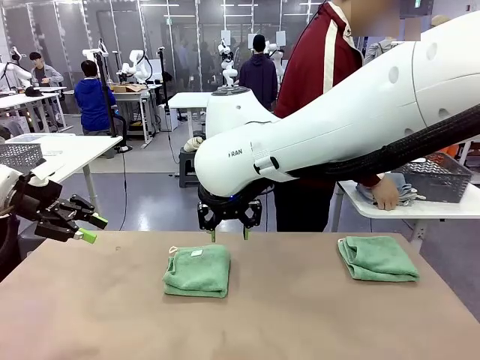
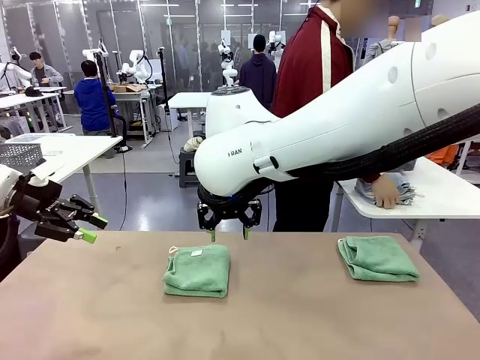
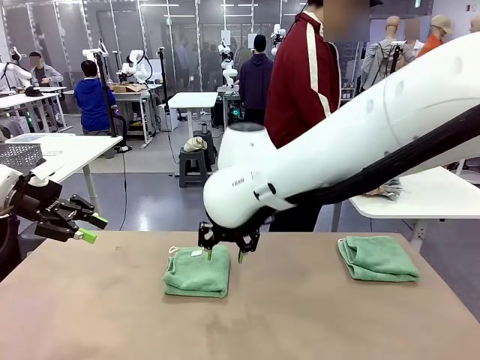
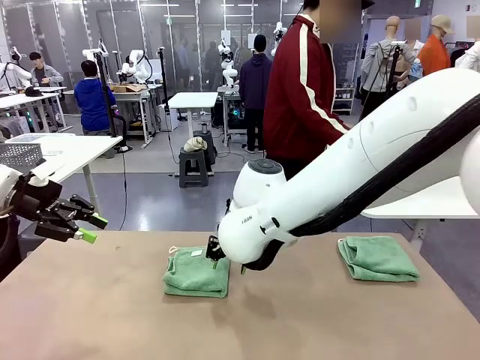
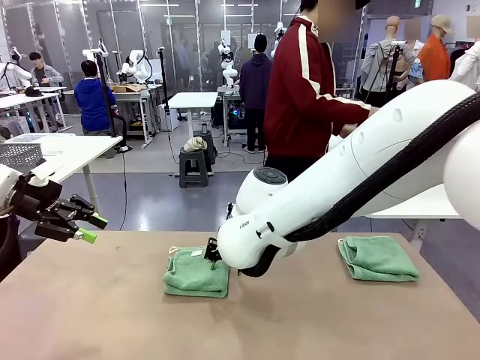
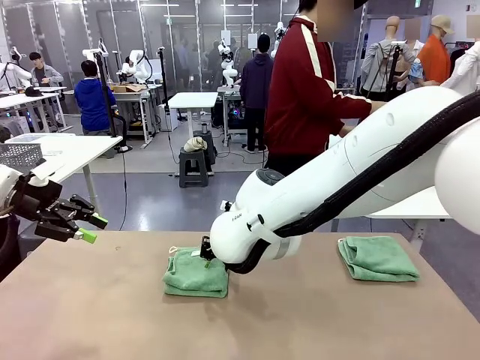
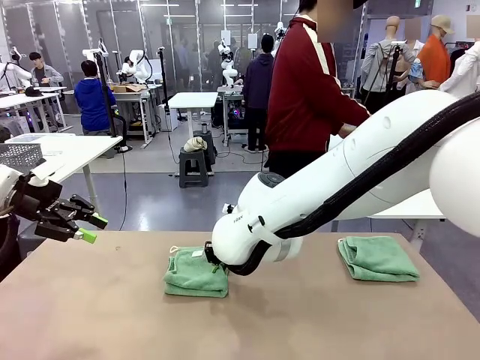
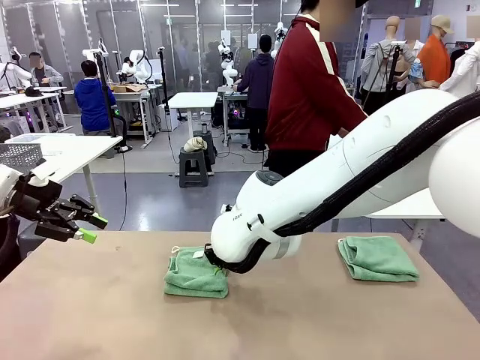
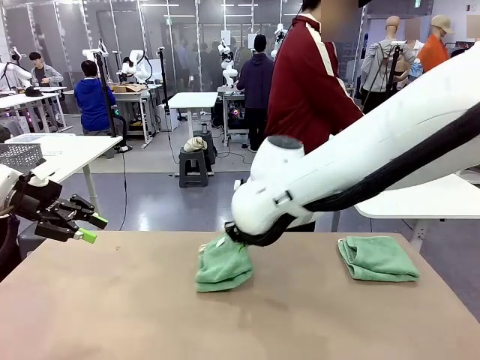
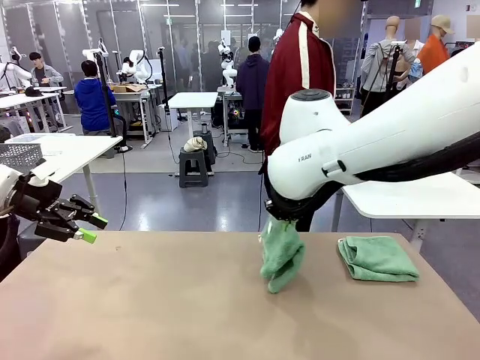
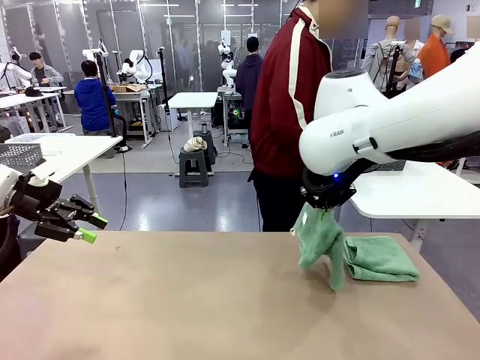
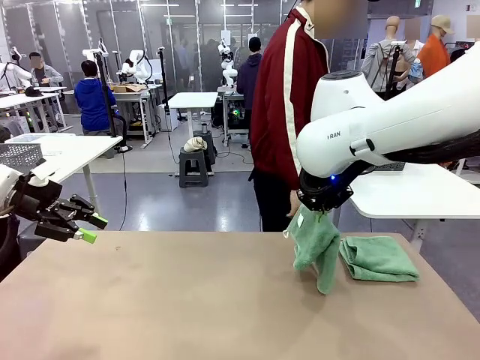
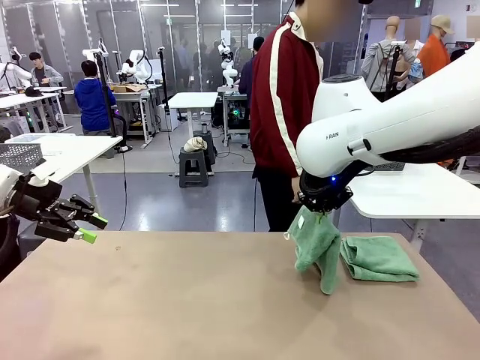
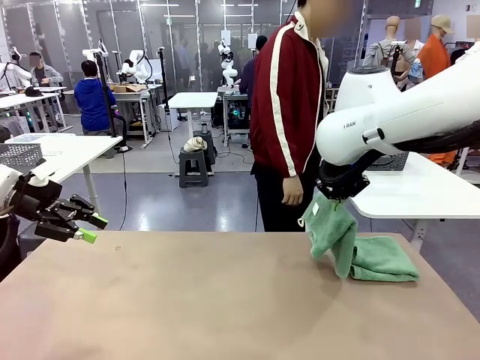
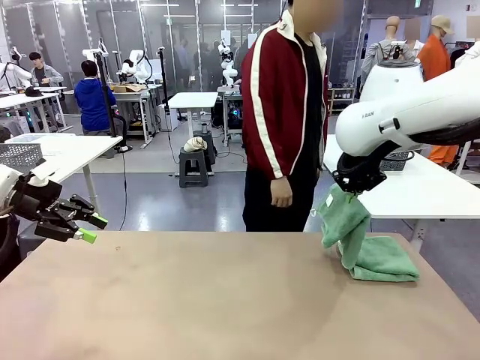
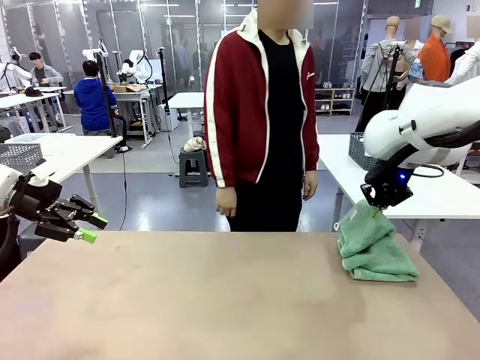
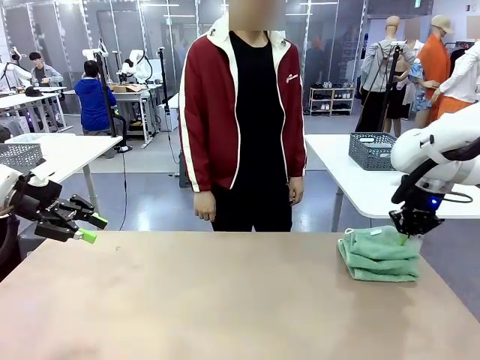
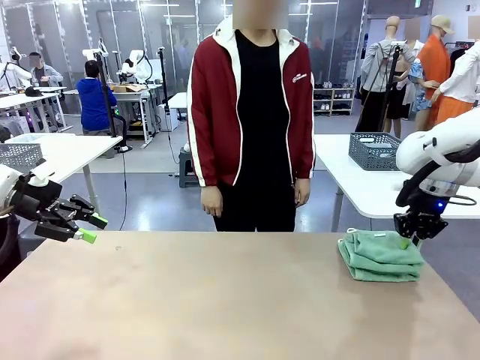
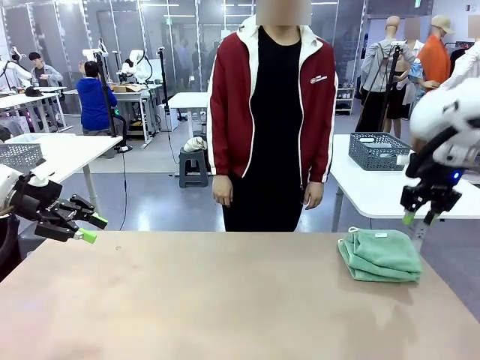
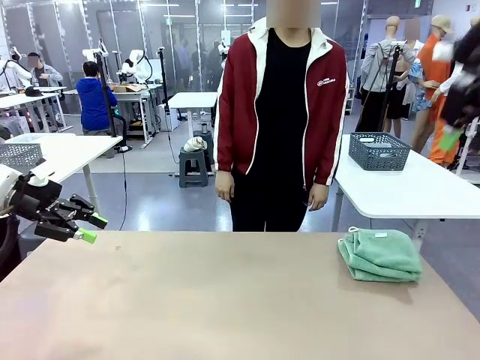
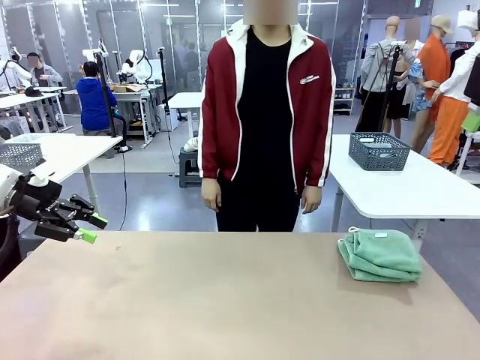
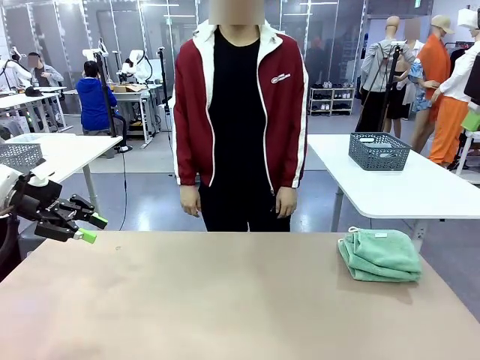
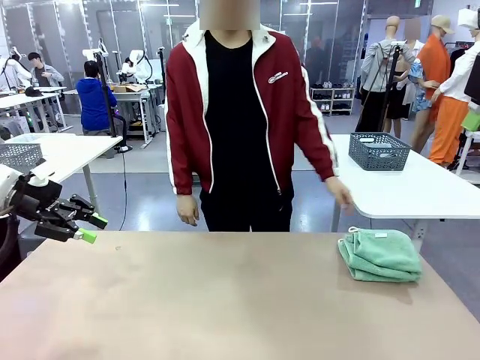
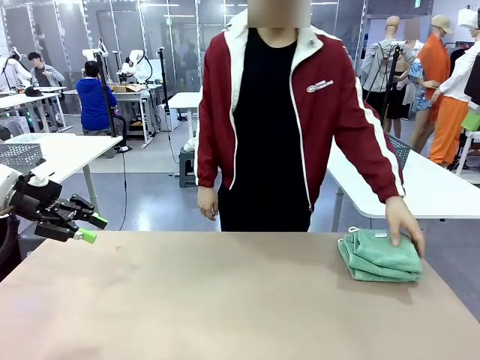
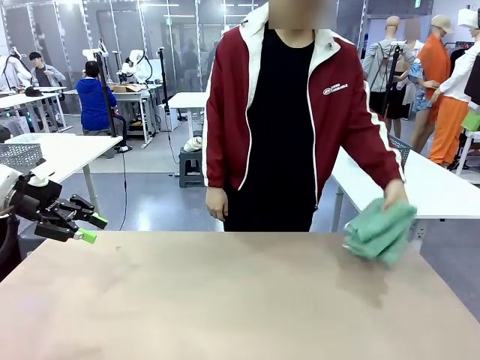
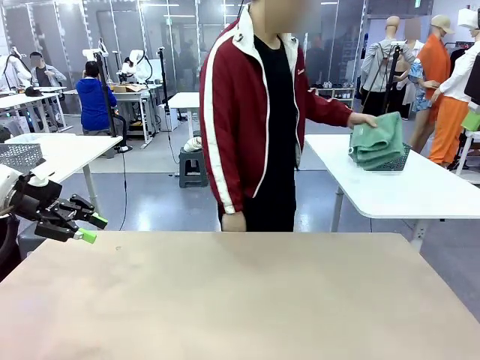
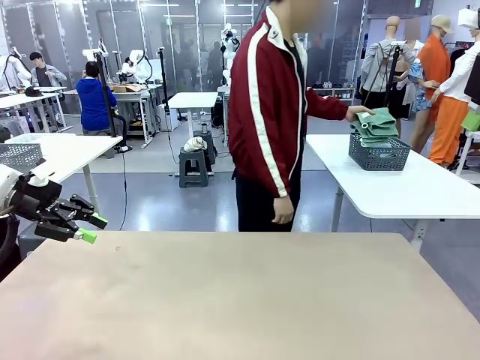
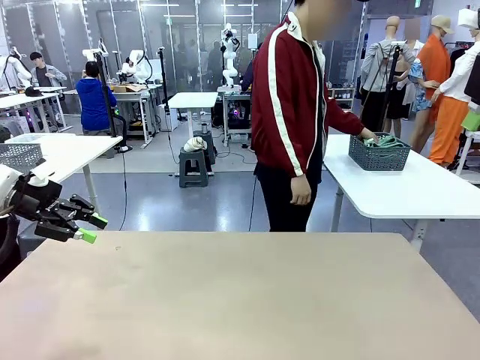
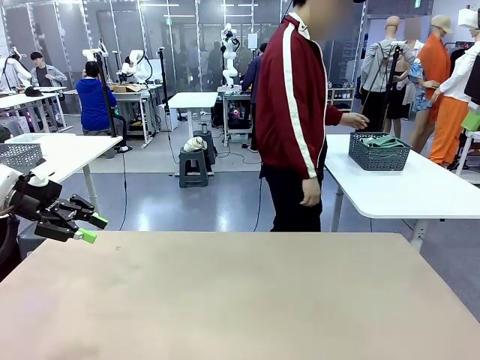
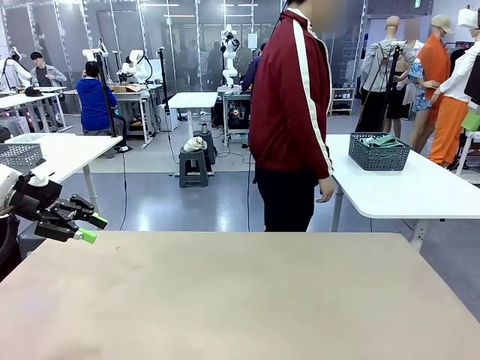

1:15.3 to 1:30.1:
Task: Fold the towels and place them in the basket.
Robot: Stack the folded Towel with hook on the right side of the table.
Person: Pick up the stack of towels from the right side of the human table, place it into the basket, and put the basket at the center of the table. Pick up the stack of towels from the robot table and place it into the basket.

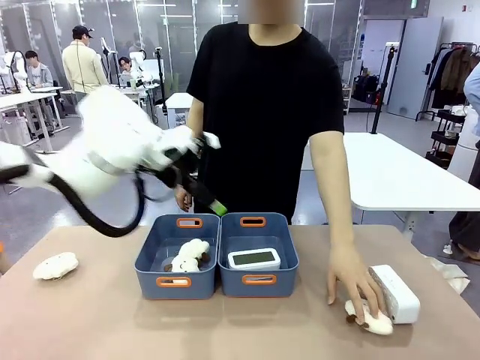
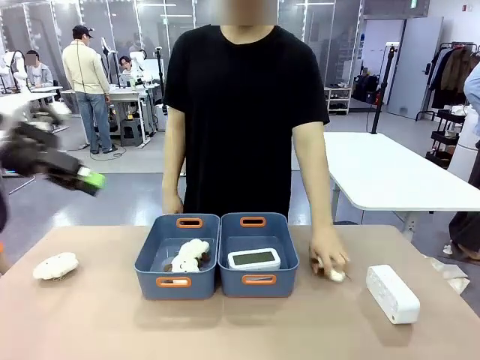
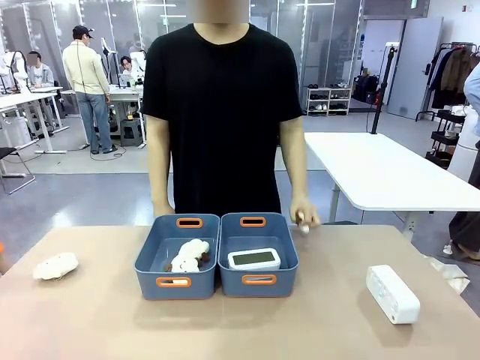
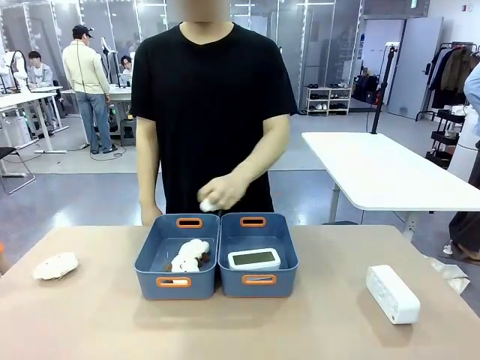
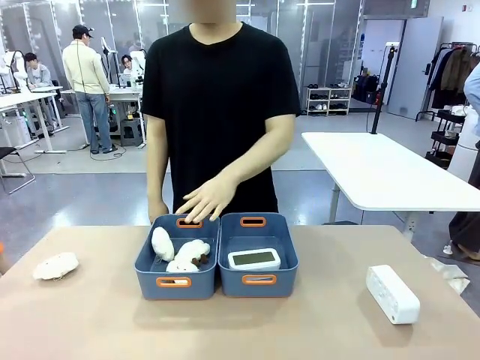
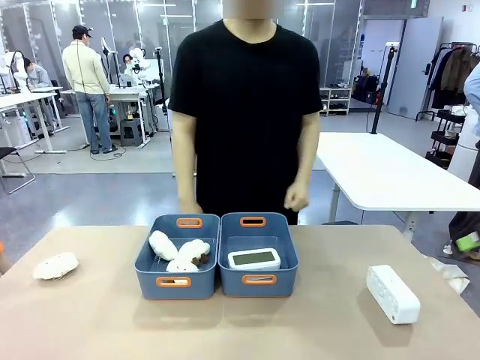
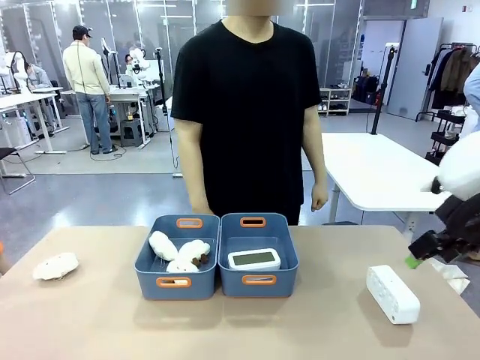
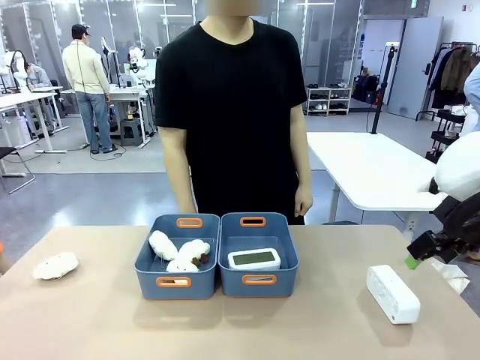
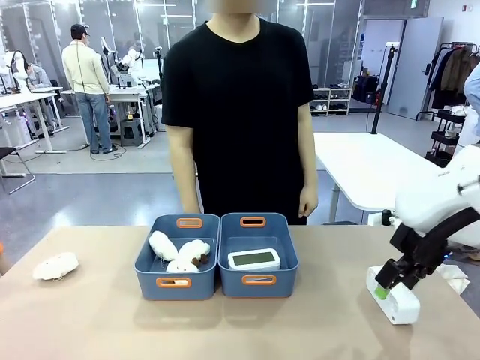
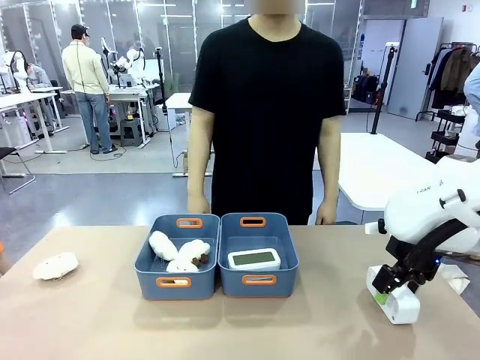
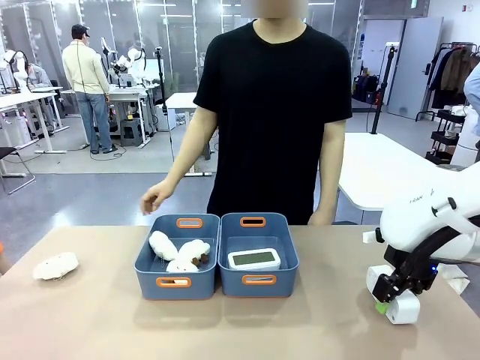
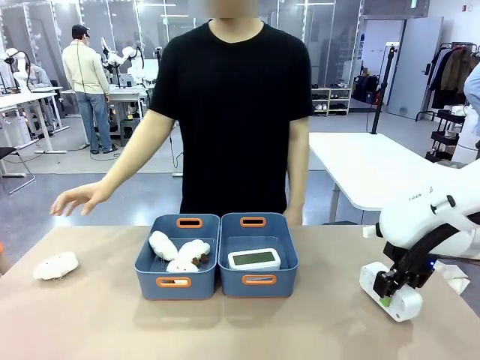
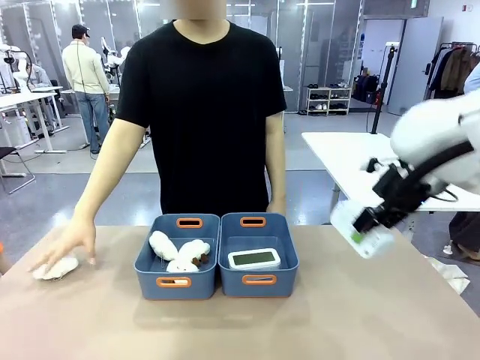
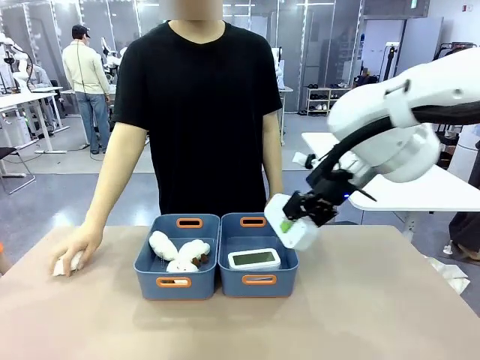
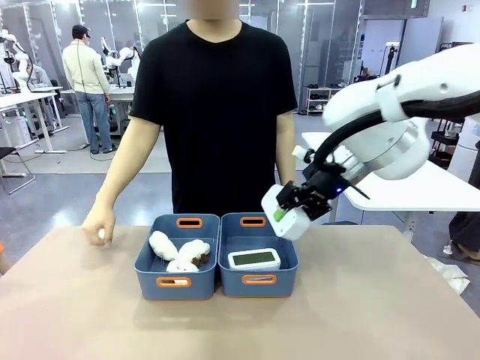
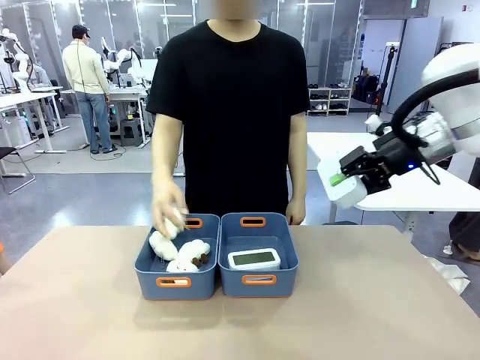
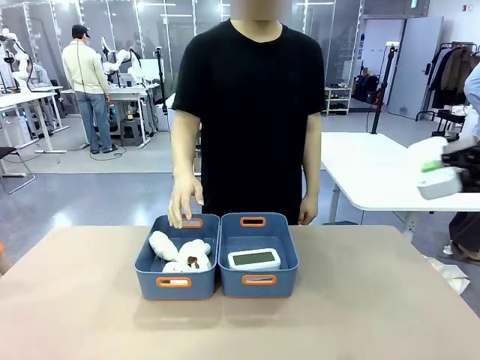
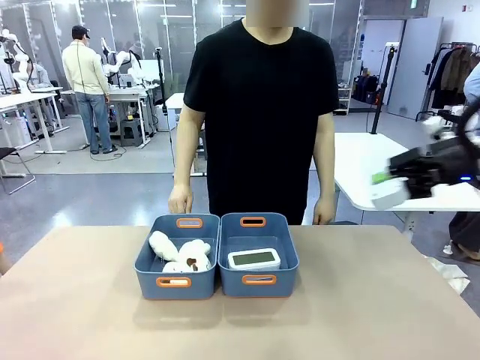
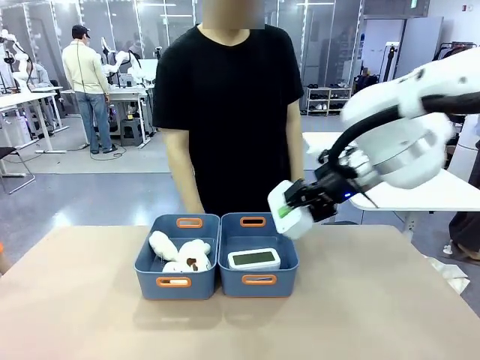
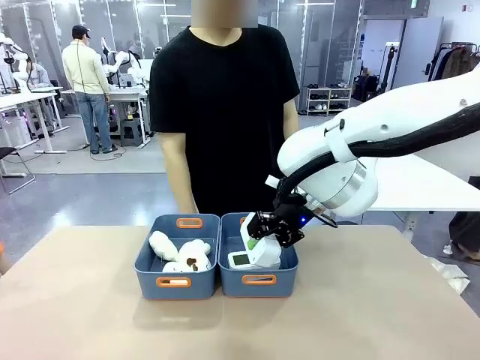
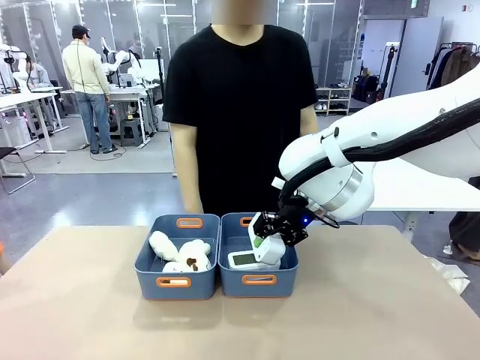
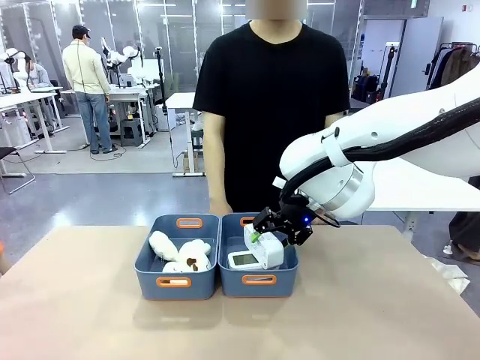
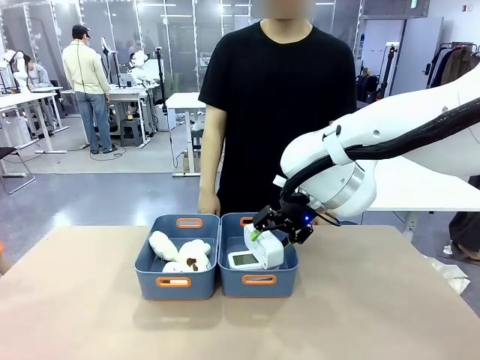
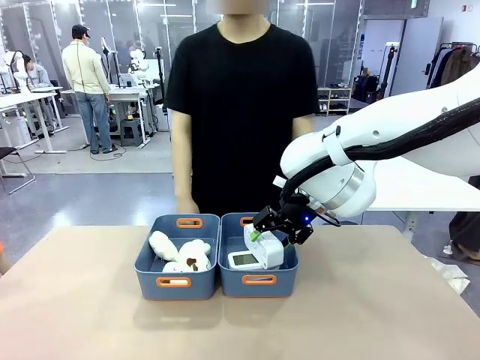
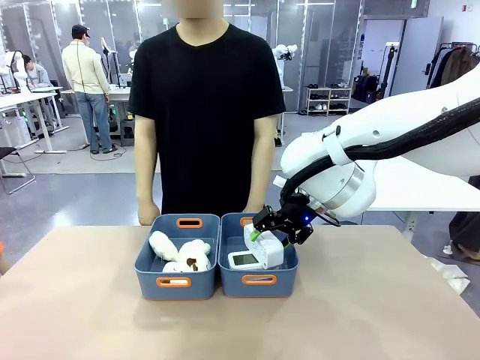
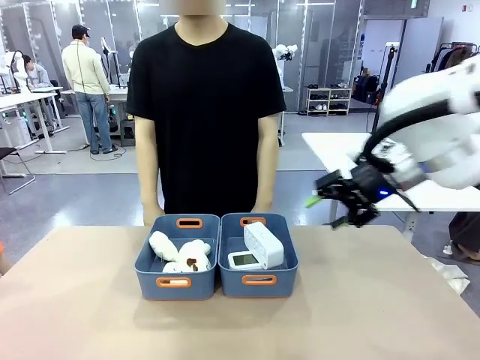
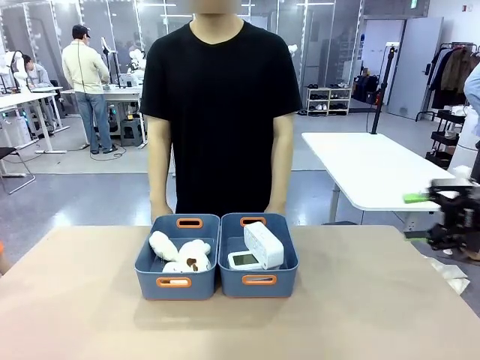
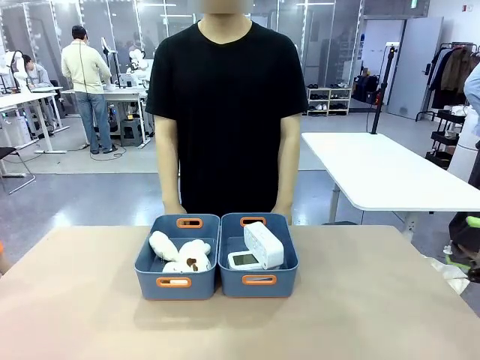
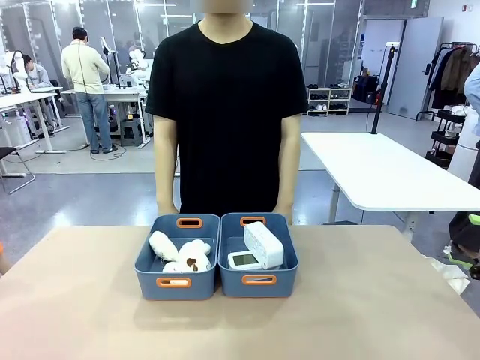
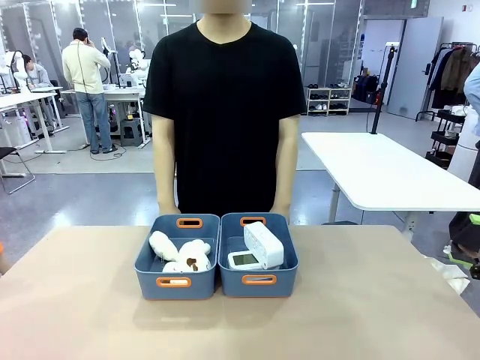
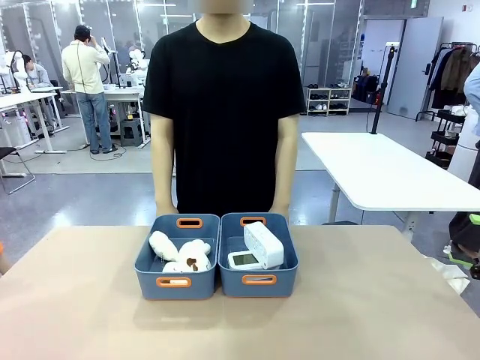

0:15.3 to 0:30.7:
Task: Sort the digital clocks into the basket.
Robot: Pick up the Digital clock from the table and place it into the empty Plastic storage basket.
Person: Pick up a plush toy from the table and place it in the plastic storage basket containing the plush toy.
